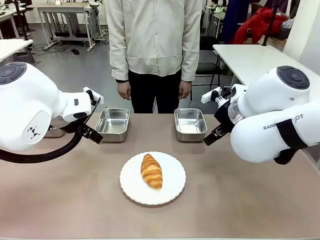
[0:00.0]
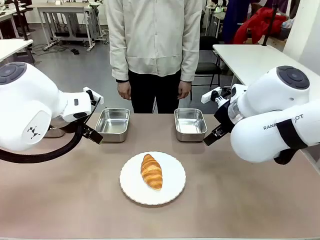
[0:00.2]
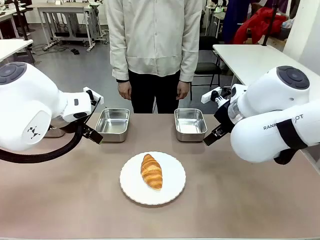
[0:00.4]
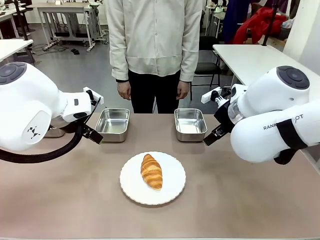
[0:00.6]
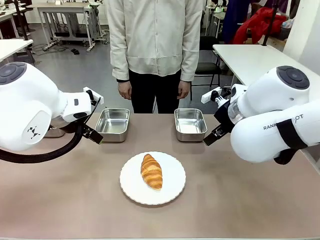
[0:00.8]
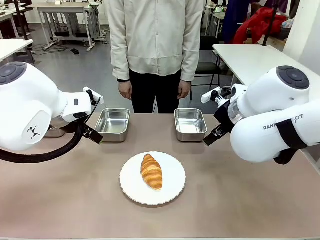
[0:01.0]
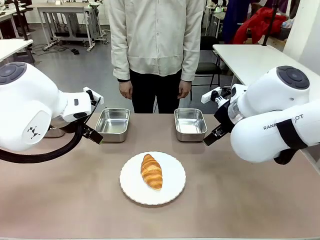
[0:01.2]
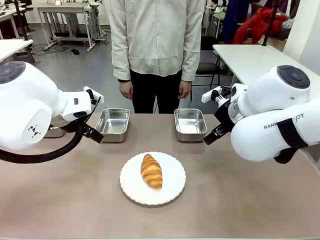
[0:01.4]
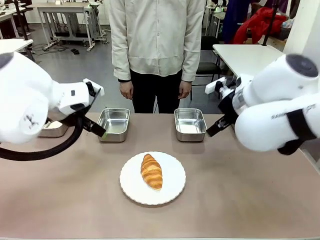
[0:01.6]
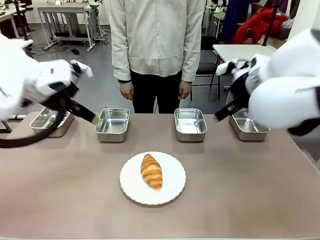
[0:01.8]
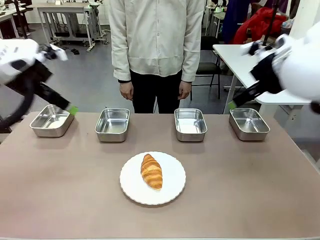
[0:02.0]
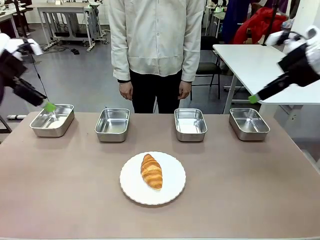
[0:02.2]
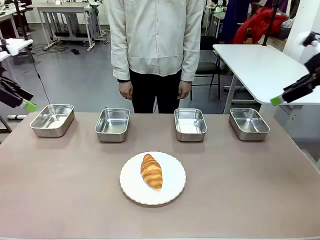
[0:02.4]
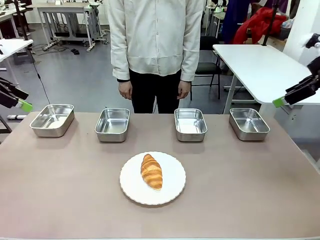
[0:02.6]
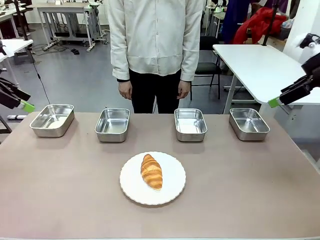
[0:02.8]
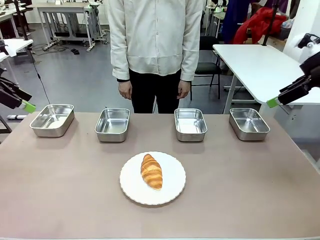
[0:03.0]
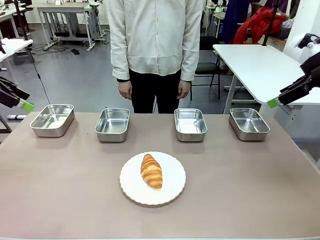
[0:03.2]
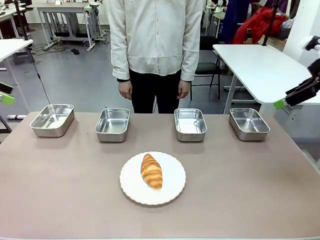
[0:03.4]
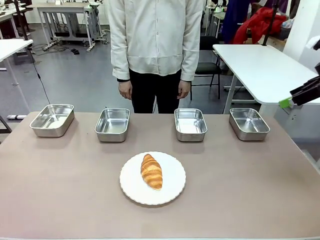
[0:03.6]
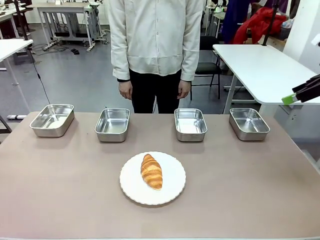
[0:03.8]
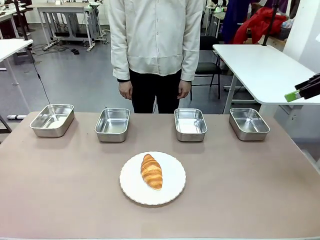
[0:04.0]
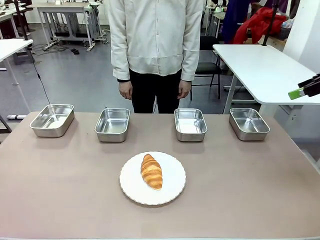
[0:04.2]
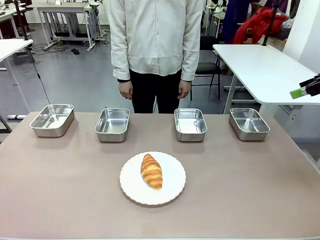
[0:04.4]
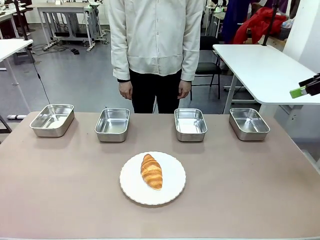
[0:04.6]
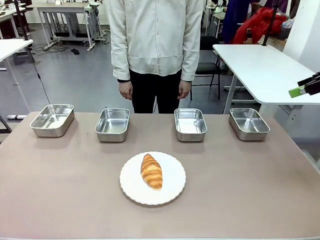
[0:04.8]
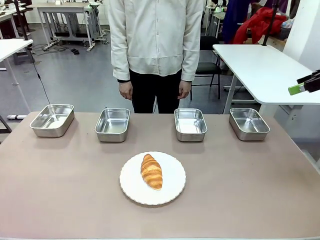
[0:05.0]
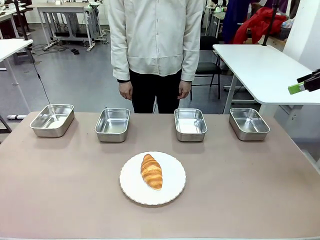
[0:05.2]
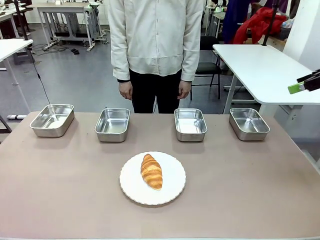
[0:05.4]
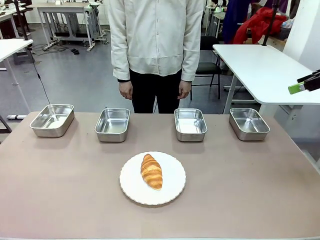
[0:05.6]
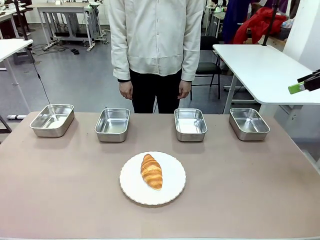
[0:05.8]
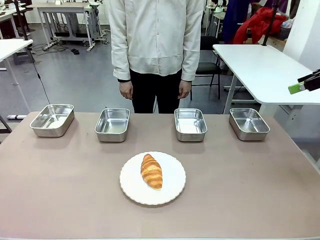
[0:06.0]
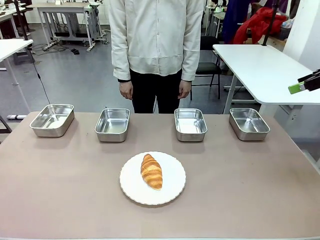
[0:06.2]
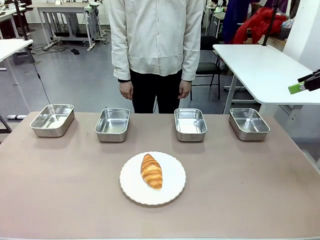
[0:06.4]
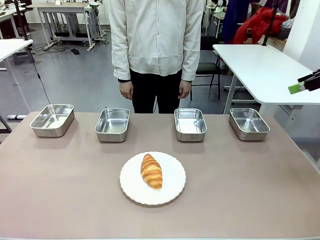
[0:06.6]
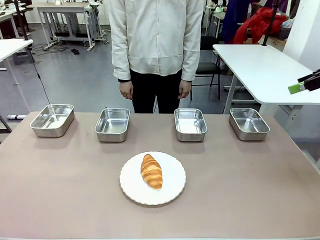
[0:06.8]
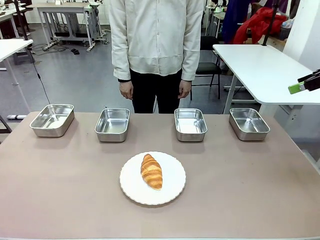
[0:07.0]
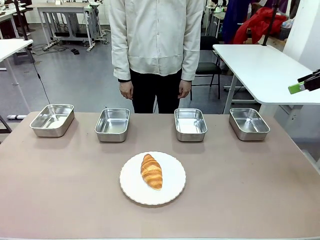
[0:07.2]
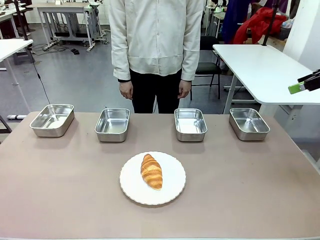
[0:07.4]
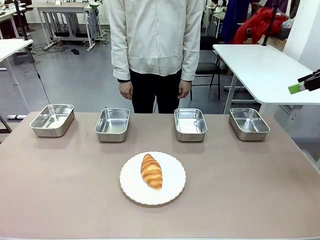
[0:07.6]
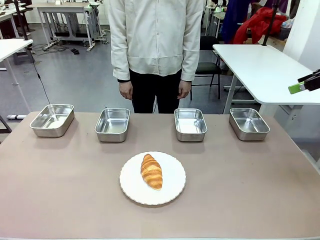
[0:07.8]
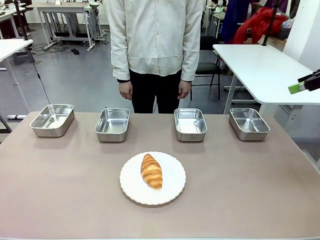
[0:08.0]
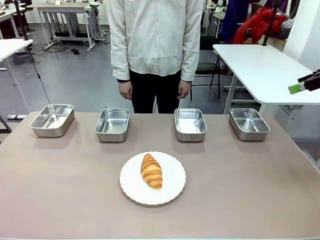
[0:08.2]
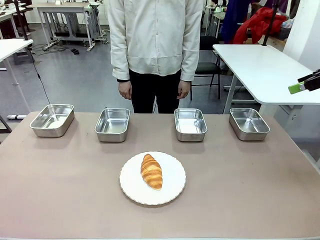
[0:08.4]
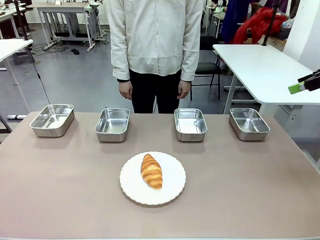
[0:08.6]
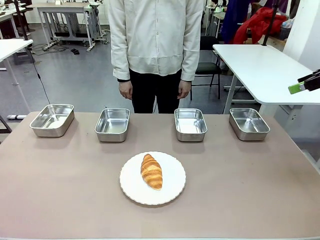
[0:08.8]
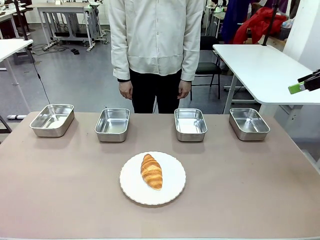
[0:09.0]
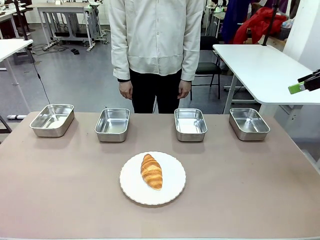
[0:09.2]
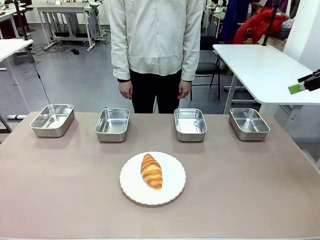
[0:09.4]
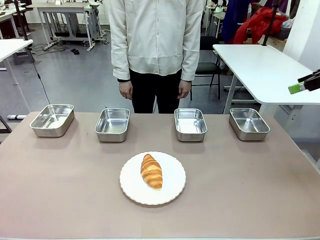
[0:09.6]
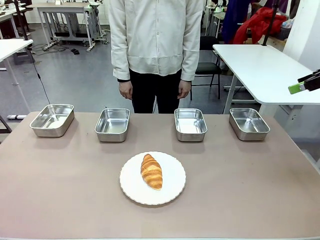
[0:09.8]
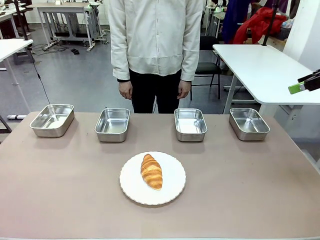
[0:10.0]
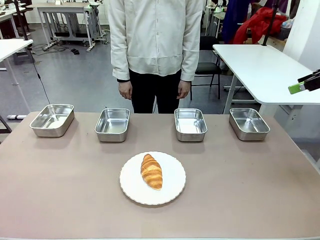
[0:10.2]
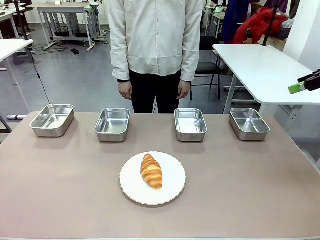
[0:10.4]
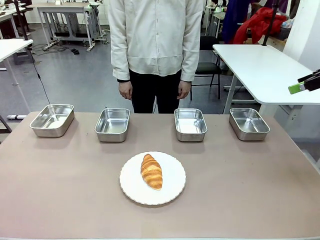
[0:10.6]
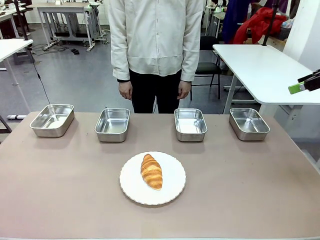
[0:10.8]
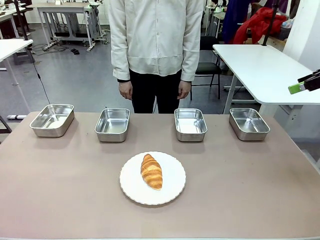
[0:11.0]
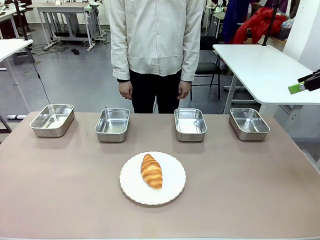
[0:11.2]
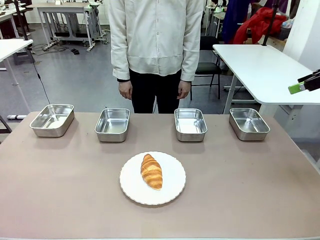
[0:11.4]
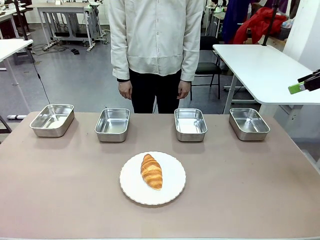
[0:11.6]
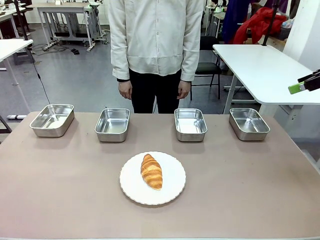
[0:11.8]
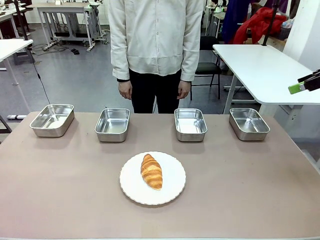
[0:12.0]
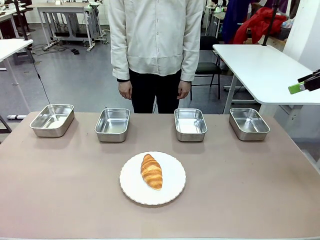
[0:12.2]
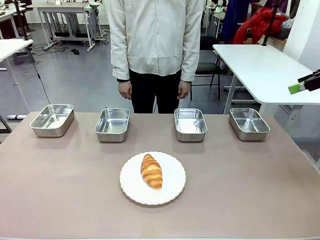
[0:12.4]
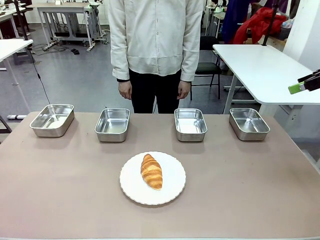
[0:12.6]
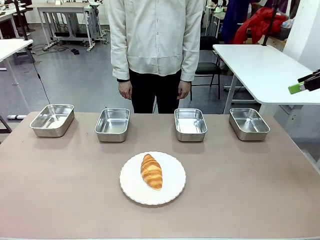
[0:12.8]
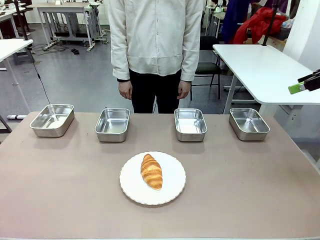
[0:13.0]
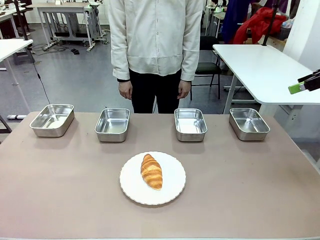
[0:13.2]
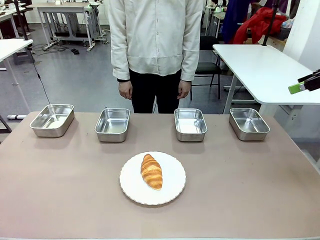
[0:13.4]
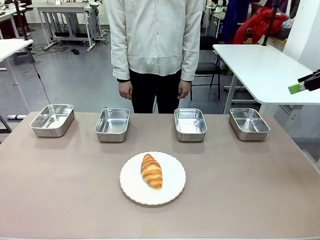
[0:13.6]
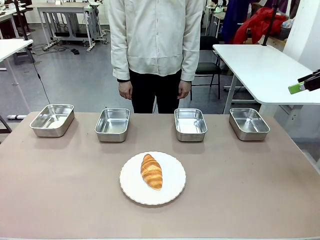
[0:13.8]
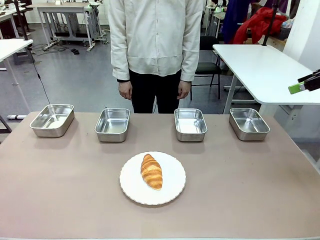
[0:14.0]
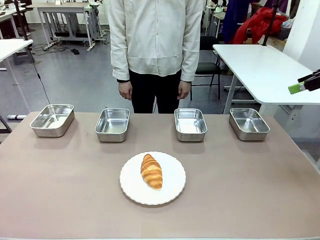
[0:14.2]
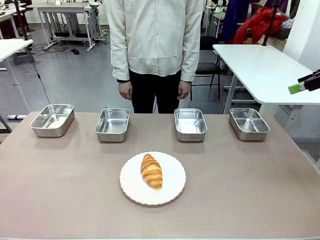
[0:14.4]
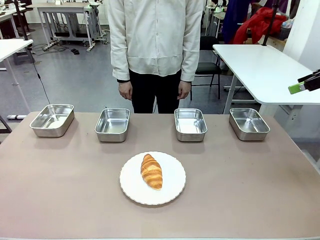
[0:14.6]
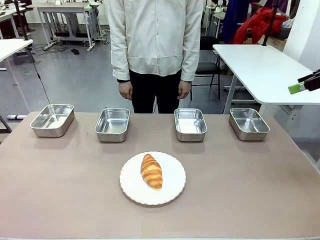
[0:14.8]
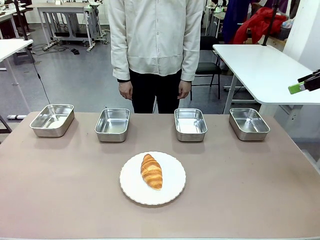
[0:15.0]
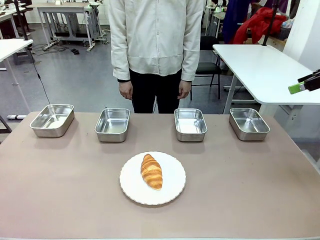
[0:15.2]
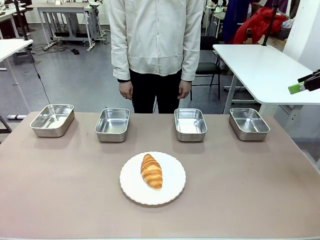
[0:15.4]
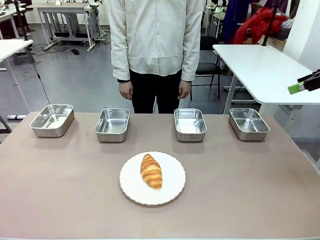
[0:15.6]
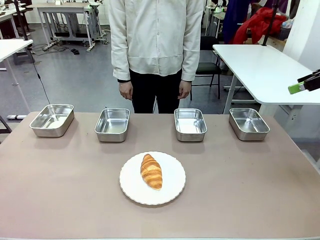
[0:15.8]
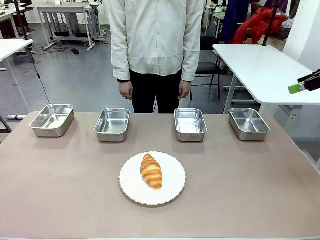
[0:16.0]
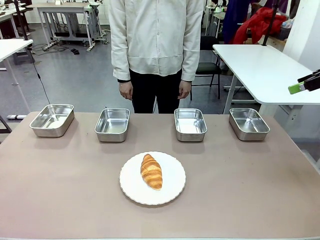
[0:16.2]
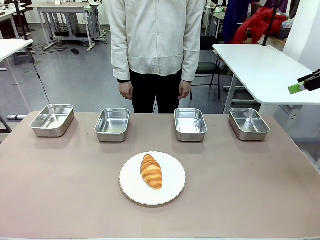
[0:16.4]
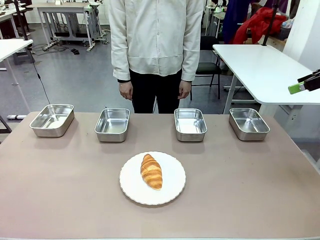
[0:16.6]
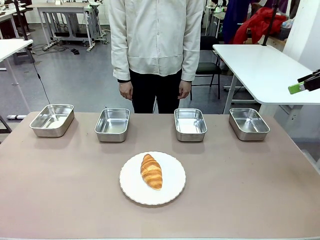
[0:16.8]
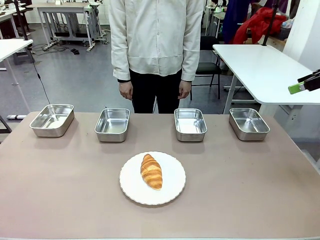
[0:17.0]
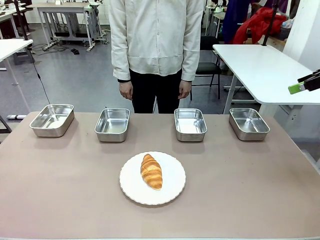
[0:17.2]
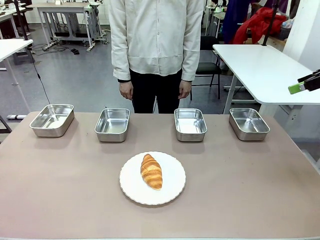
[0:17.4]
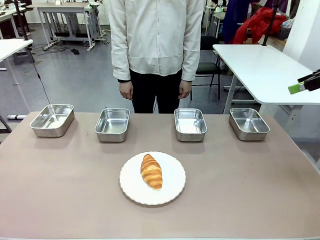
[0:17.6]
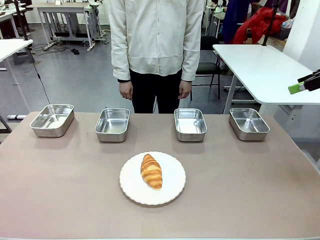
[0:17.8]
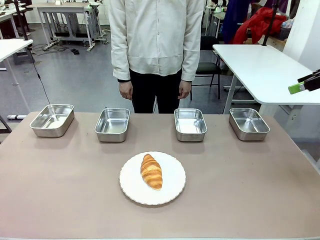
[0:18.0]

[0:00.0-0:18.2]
Task: Place the bread in the container.
Robot: Place the Butter Roll into the Airtight Container indicated by the human.
